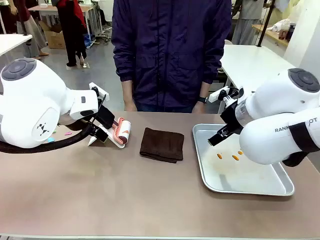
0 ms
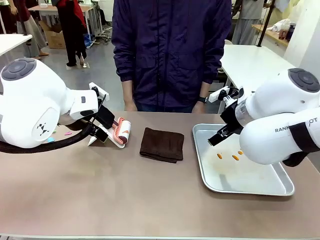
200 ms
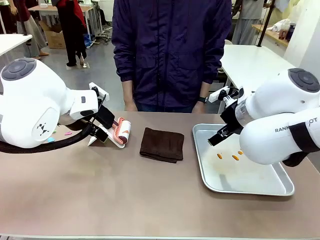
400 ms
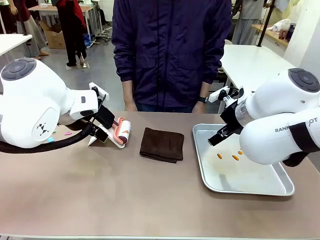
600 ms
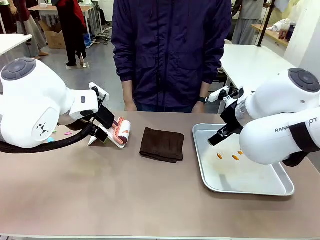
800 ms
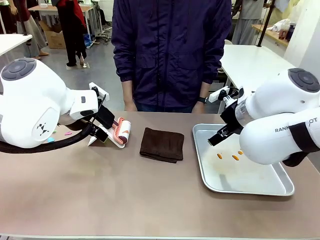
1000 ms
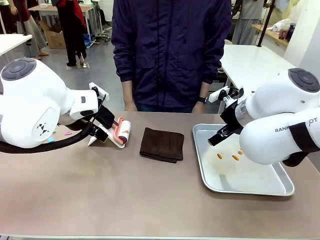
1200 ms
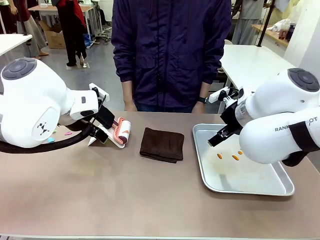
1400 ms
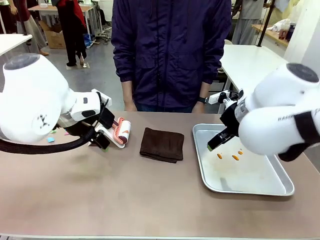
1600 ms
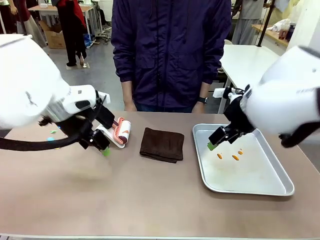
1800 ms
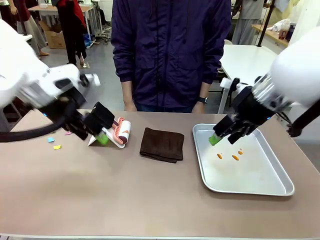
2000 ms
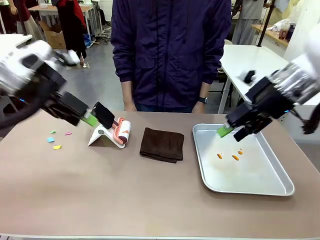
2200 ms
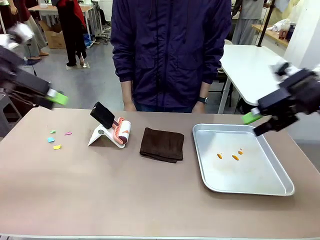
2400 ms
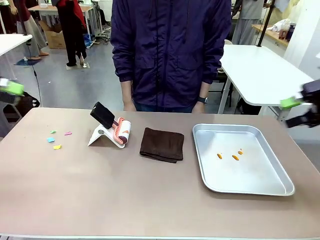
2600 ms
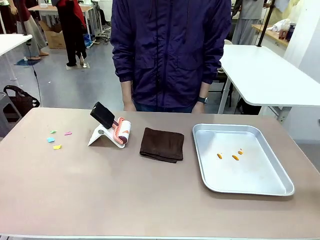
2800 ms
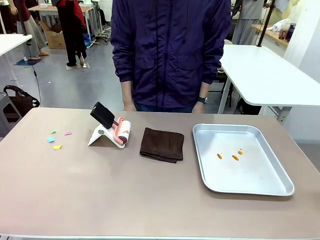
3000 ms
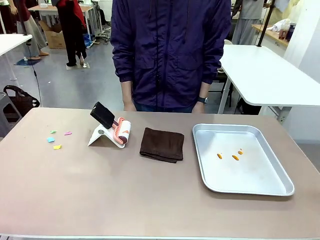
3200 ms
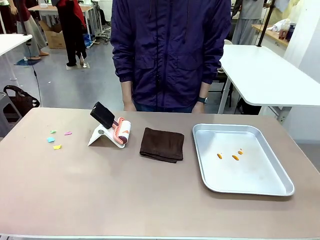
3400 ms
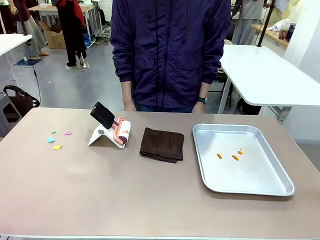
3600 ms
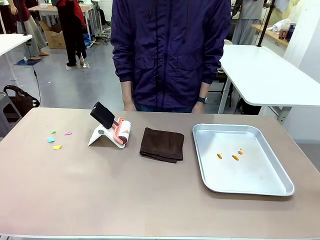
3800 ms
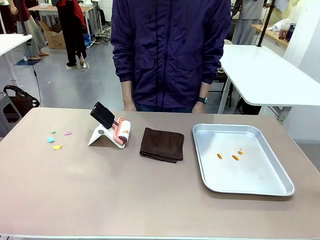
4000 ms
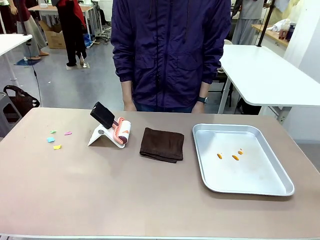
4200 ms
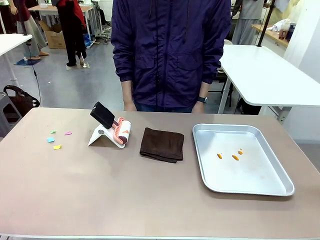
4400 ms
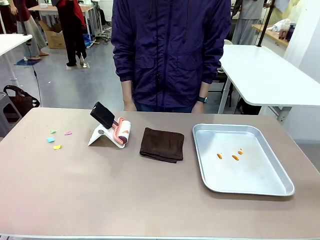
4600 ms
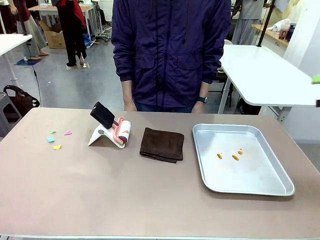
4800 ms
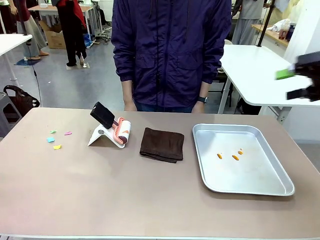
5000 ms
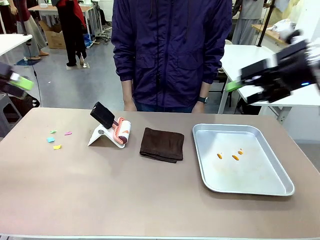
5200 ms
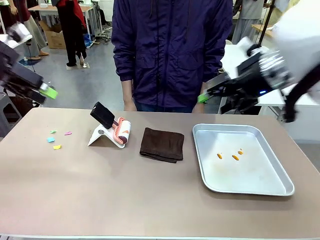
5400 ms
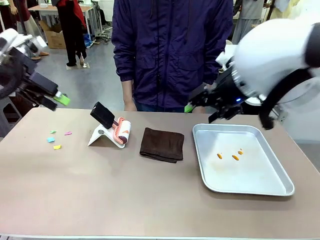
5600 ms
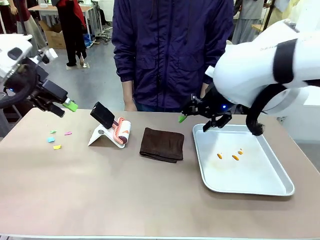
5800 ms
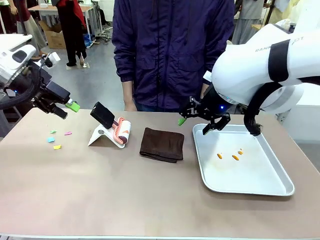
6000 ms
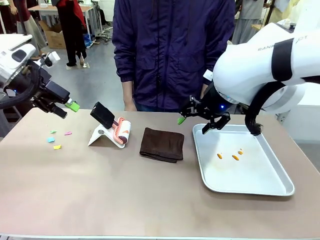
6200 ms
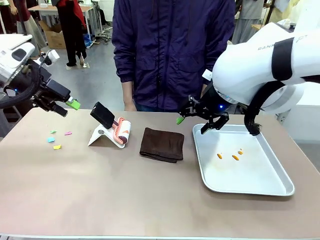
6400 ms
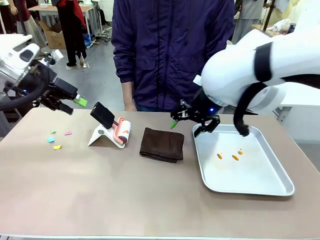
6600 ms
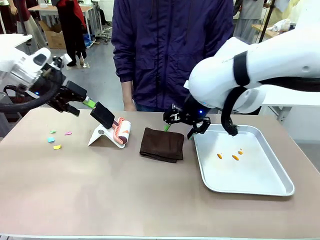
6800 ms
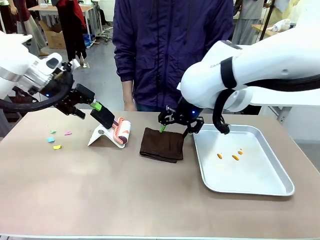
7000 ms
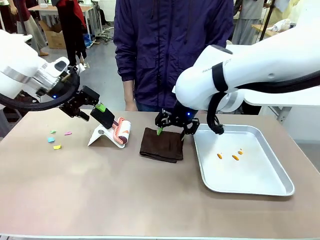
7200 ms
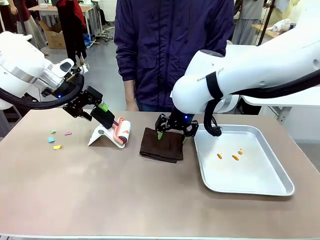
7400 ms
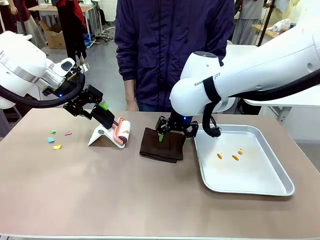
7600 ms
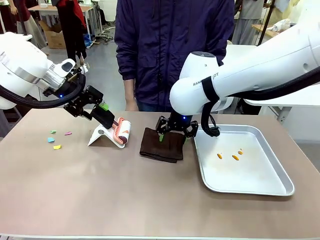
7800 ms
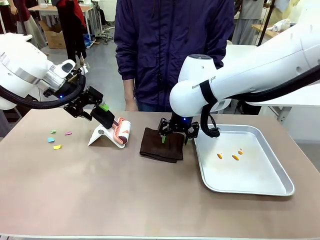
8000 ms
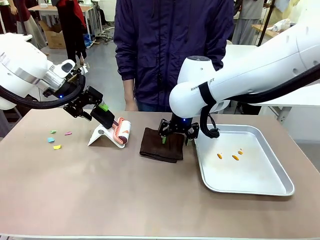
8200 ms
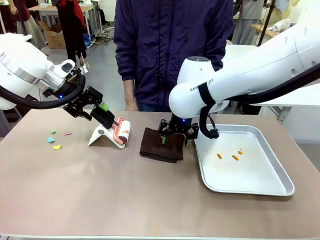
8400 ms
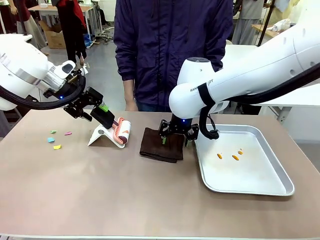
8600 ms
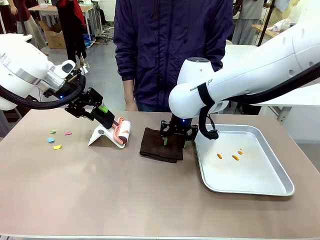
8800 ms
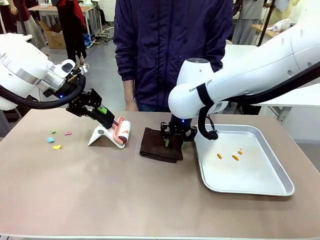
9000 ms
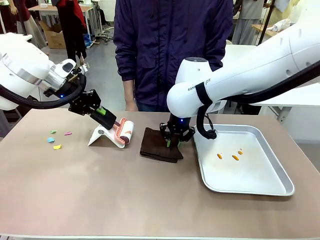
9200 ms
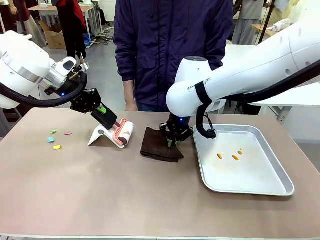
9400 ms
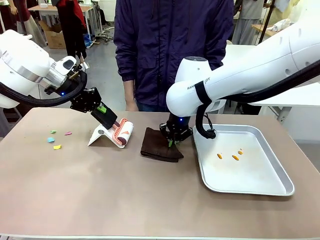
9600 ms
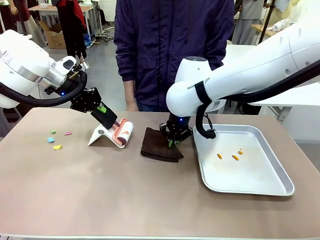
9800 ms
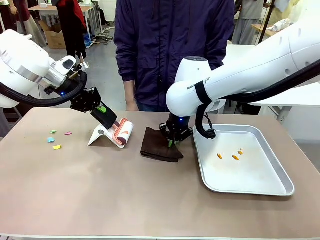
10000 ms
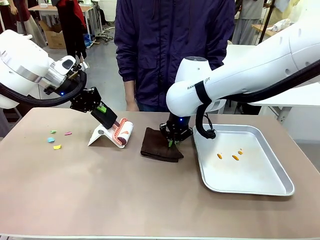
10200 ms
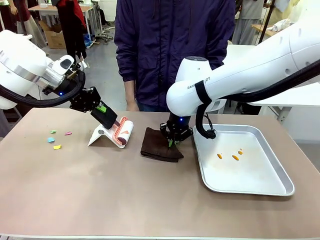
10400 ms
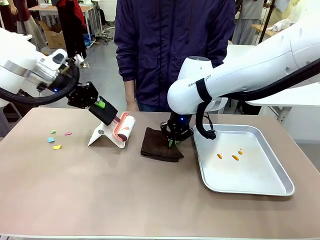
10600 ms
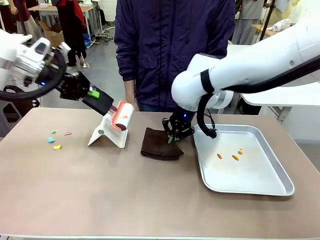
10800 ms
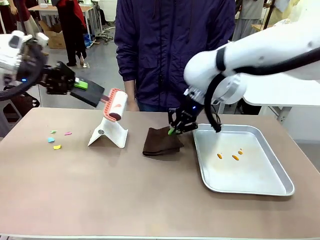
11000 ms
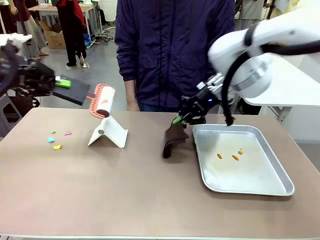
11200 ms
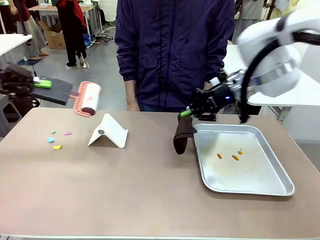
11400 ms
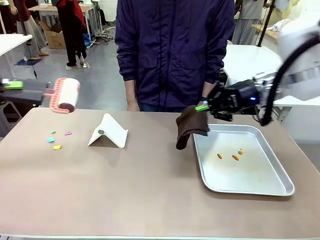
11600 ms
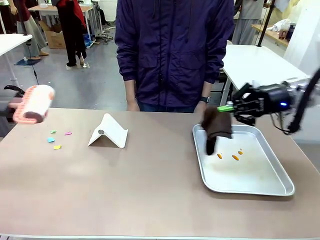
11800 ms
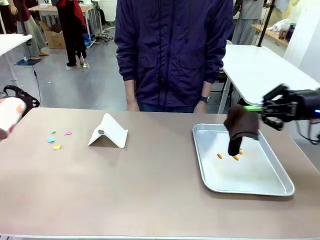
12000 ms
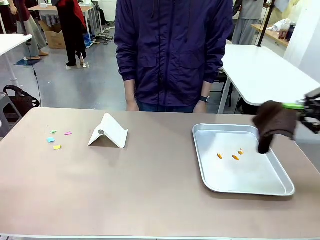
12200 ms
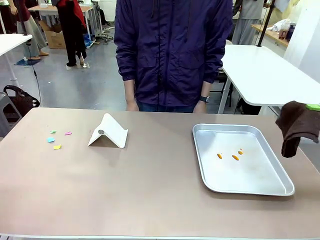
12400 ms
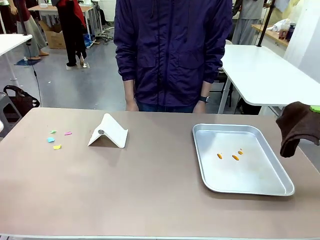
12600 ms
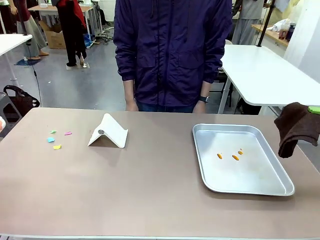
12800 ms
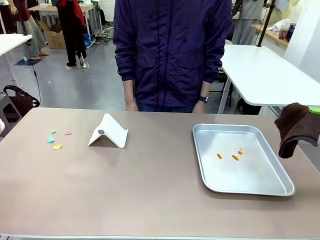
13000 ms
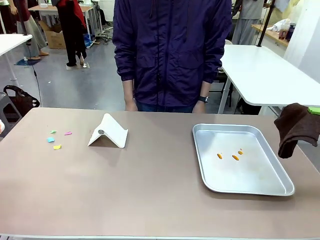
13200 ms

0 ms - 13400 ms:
Task: Clean the surface of the table.
Robot: Hold the Lint Roller with your left hand and the towel with your right hand.
